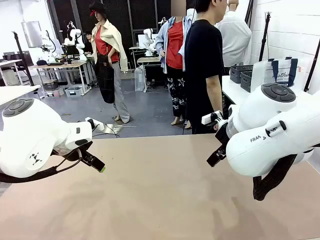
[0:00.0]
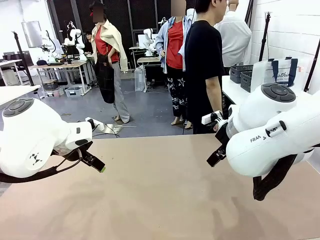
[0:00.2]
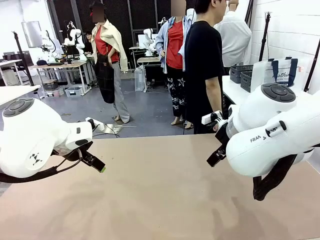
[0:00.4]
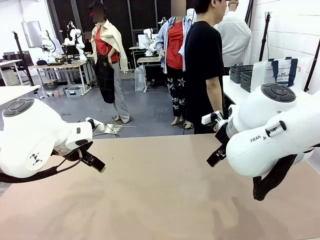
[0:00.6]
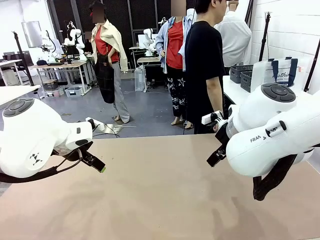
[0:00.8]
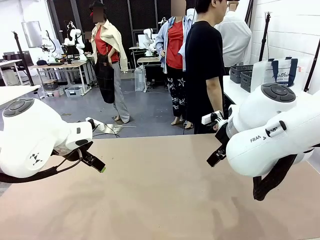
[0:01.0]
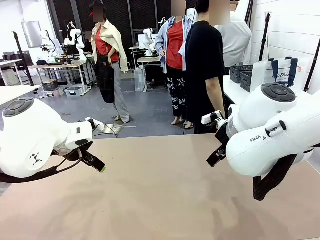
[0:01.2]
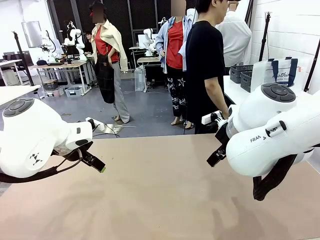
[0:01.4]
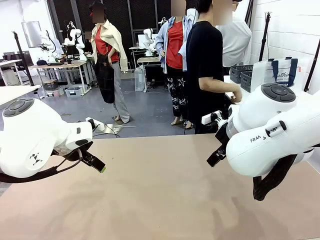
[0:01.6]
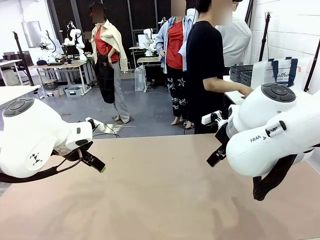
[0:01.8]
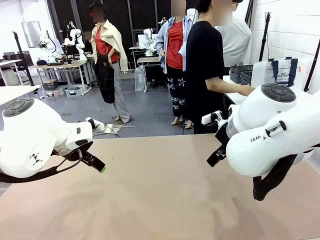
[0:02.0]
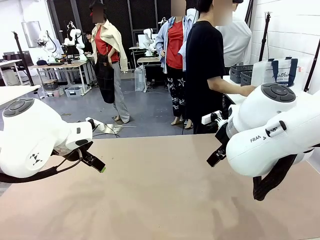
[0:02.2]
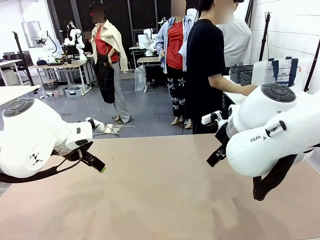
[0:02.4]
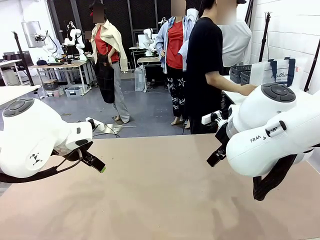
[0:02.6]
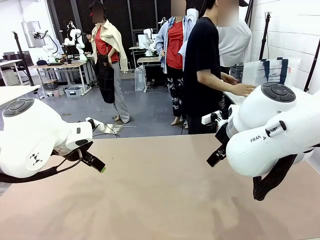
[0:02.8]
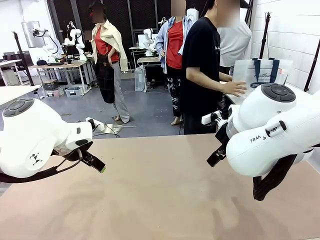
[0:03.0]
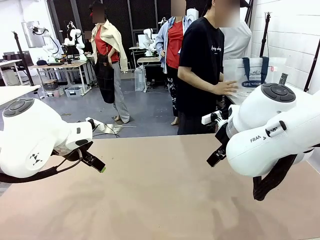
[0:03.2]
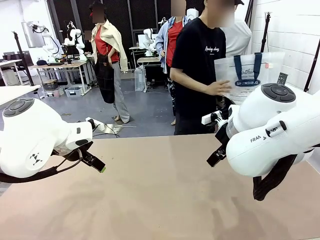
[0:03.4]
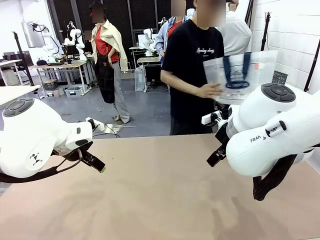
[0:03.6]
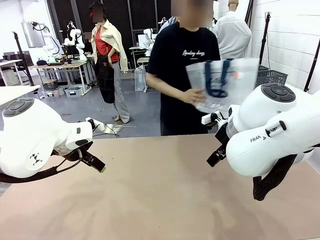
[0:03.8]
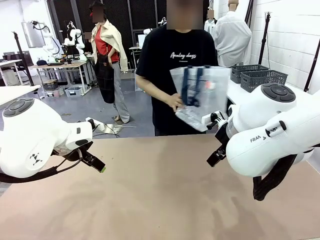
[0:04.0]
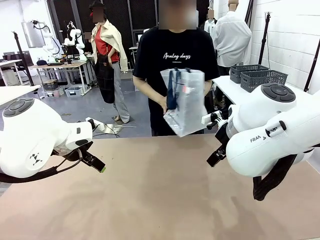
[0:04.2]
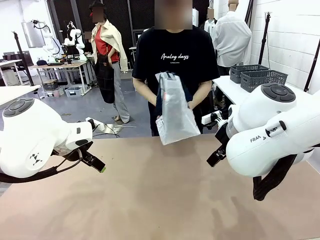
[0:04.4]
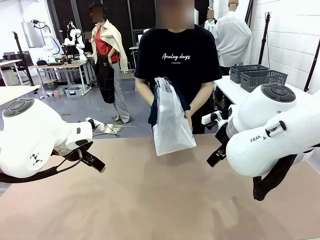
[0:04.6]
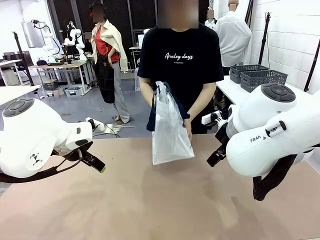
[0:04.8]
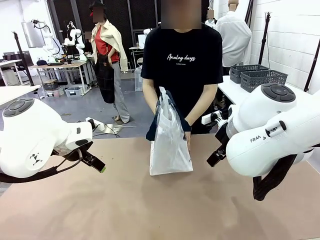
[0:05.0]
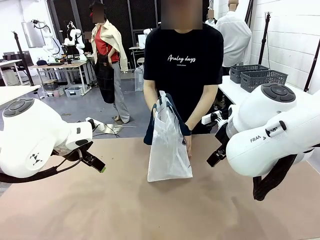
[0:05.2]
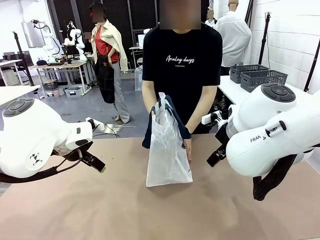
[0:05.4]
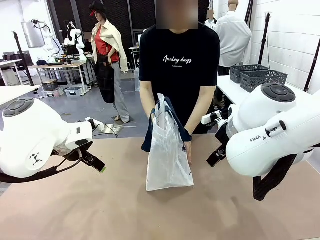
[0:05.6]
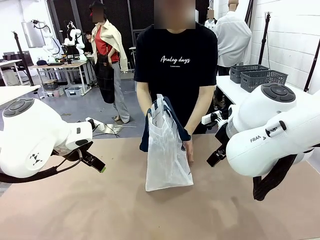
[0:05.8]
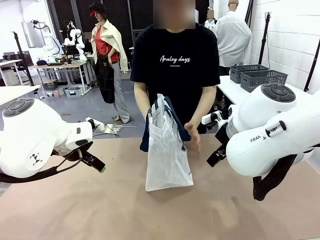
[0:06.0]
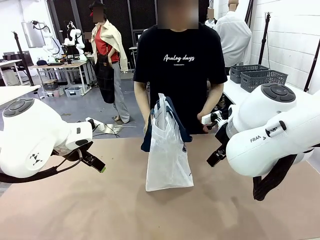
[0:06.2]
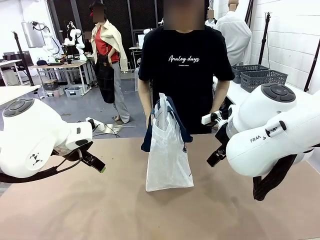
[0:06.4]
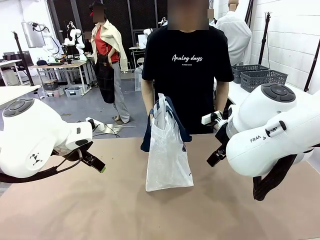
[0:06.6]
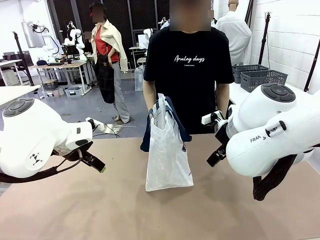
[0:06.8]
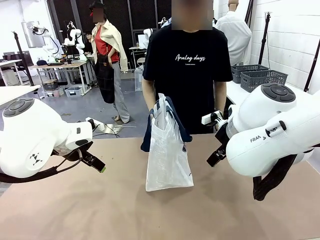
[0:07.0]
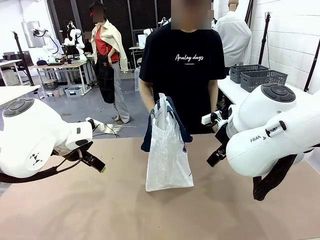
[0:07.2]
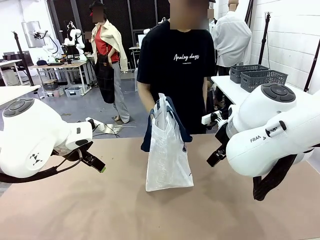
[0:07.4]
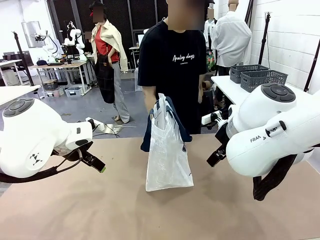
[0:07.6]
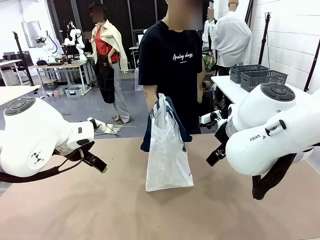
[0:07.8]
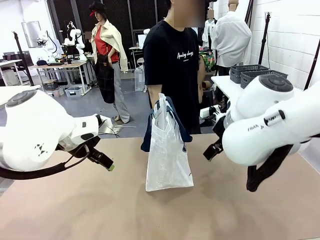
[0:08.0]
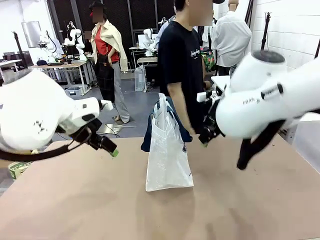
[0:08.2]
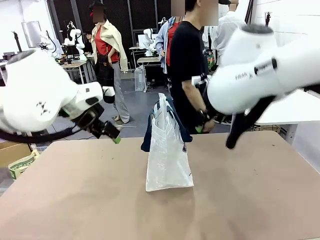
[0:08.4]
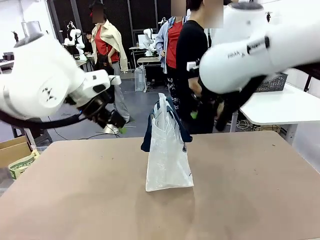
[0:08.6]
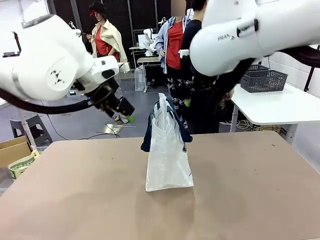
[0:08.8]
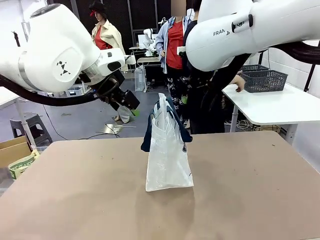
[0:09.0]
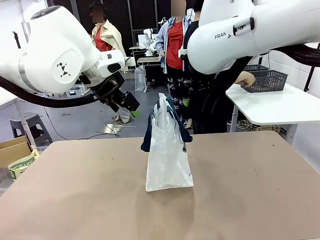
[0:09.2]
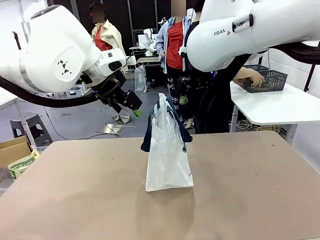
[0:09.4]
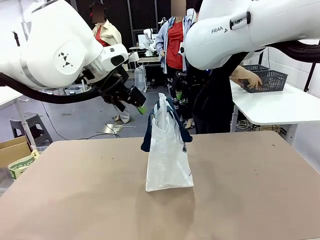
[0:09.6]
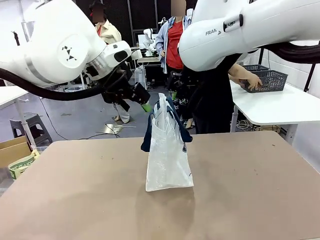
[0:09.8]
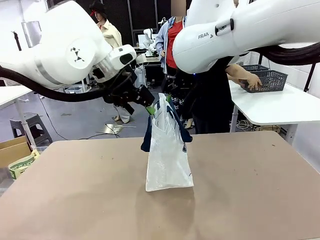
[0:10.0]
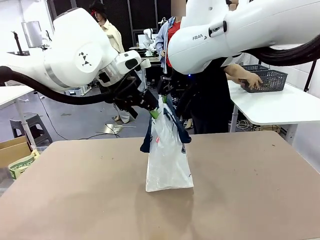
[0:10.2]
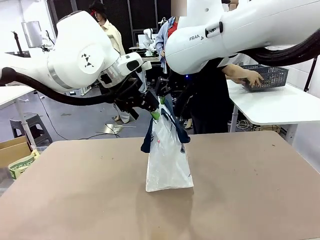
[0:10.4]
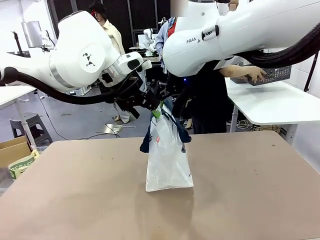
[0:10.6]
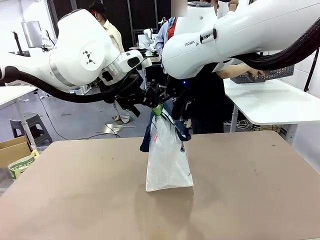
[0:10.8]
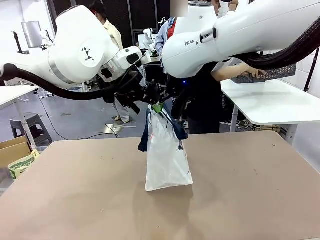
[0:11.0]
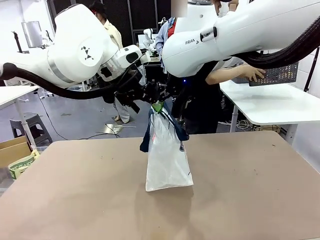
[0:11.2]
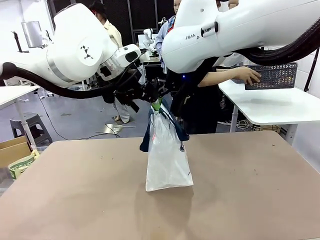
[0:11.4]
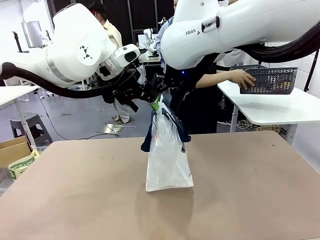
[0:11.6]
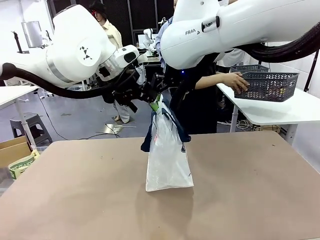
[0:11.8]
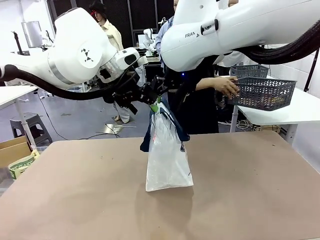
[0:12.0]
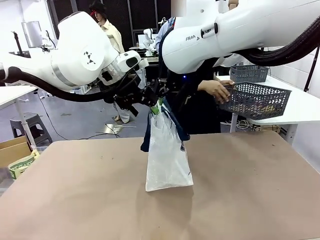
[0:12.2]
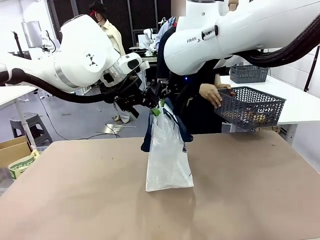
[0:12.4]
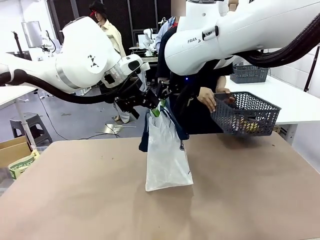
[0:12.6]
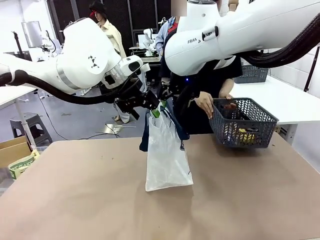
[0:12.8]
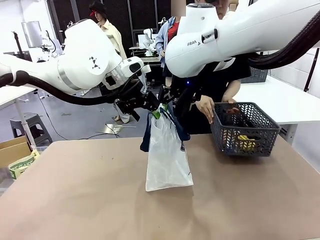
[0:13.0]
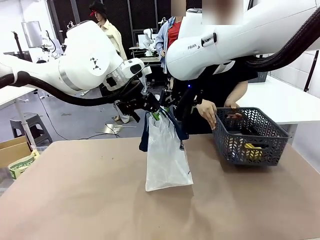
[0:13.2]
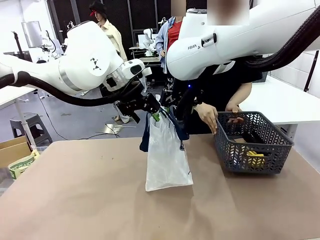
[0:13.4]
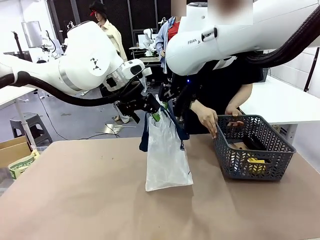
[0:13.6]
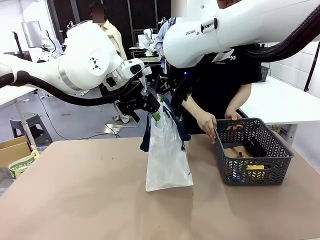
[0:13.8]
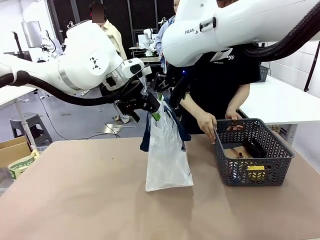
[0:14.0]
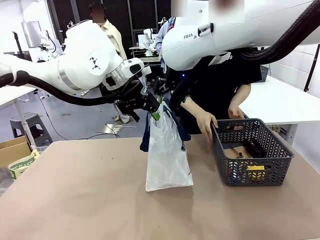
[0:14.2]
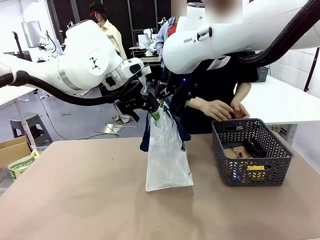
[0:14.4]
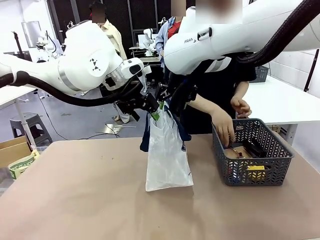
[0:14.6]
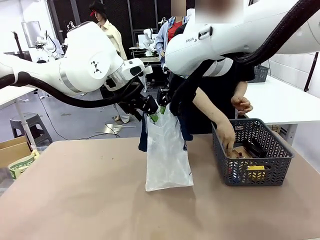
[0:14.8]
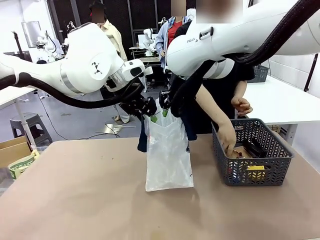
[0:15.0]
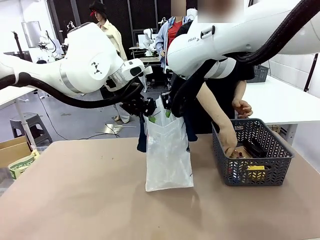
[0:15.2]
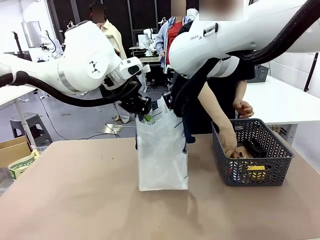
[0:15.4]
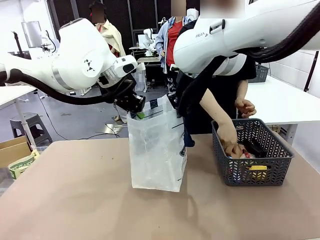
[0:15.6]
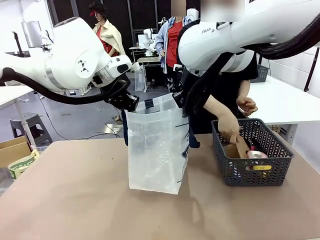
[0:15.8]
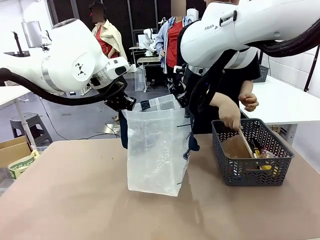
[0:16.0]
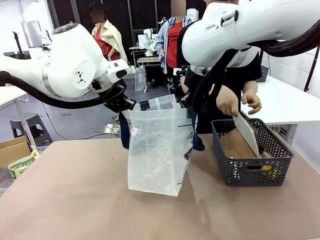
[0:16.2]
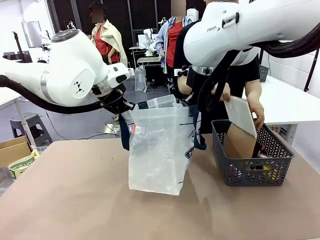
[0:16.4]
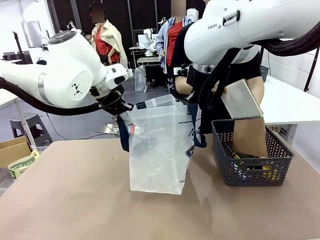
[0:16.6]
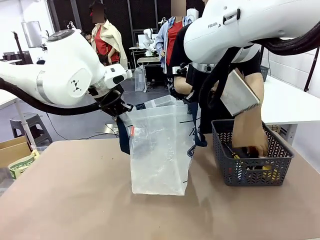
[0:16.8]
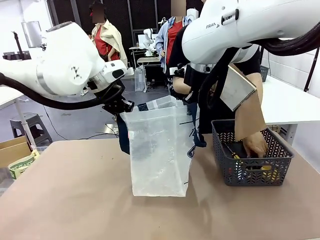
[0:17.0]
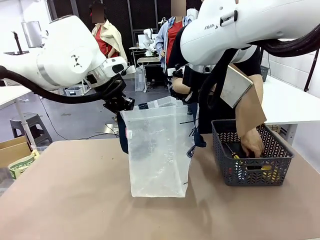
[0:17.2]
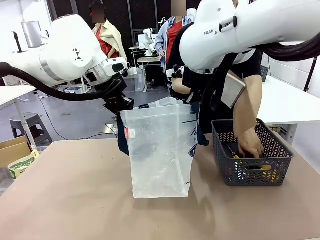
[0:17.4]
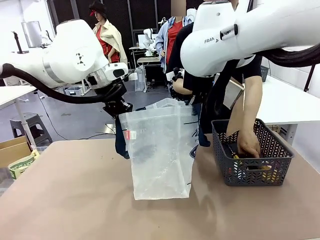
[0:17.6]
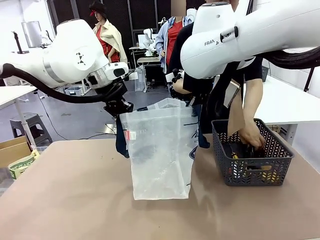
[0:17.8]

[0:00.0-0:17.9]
Task: Transfer purchased items from the store into the shopping bag.
Robot: Open the Reusable shopping bag in the center of the table.
Person: Pick up the shopping bag and place it in the middle of the robot table.
